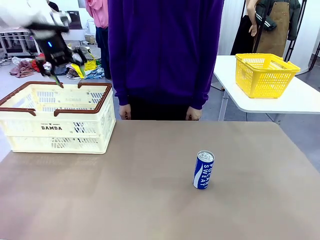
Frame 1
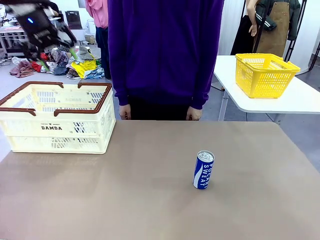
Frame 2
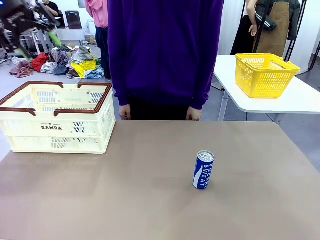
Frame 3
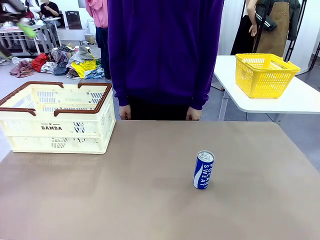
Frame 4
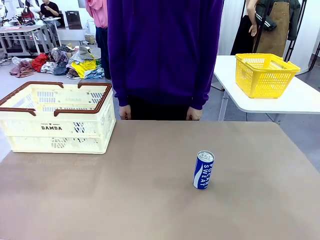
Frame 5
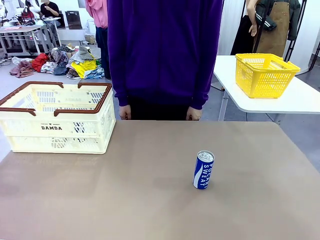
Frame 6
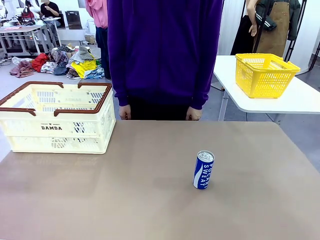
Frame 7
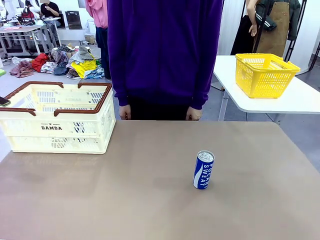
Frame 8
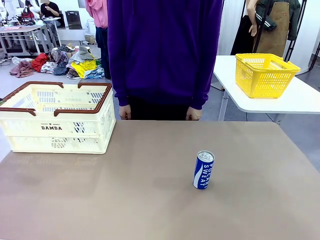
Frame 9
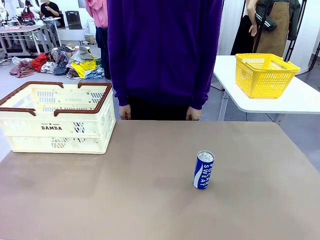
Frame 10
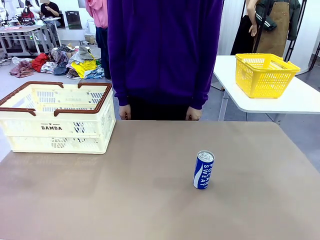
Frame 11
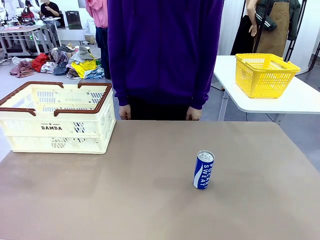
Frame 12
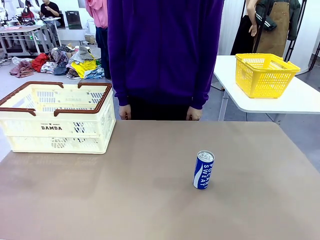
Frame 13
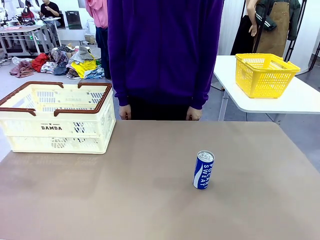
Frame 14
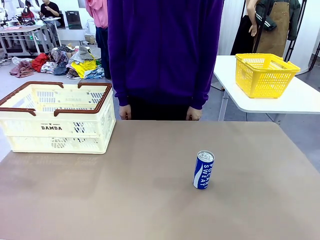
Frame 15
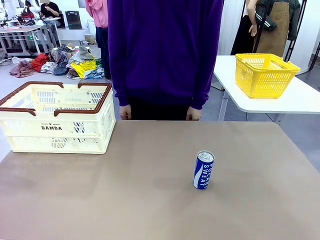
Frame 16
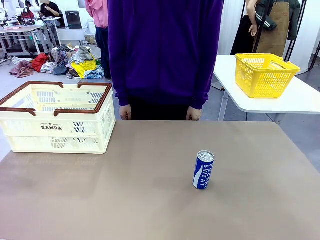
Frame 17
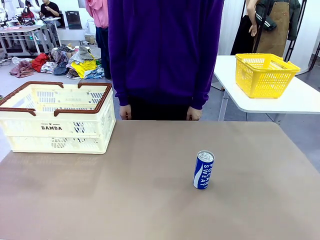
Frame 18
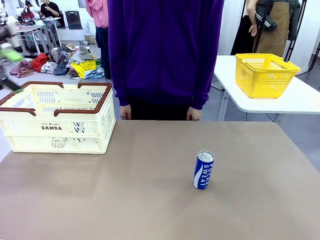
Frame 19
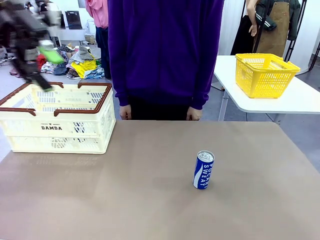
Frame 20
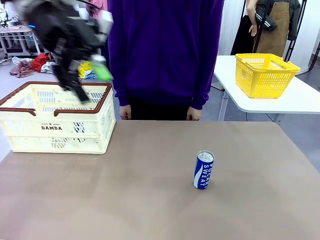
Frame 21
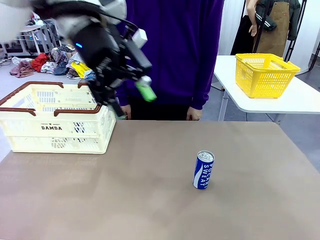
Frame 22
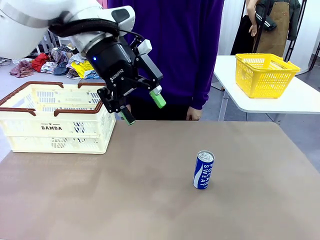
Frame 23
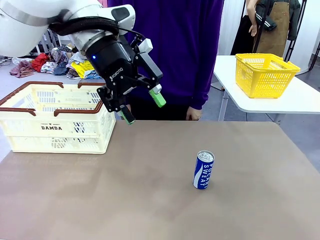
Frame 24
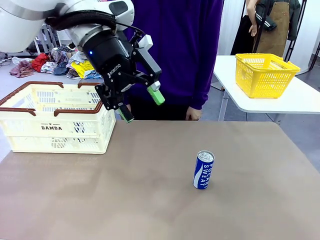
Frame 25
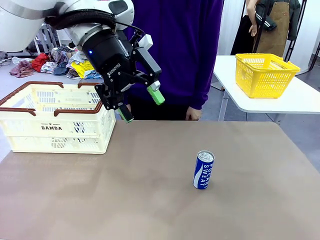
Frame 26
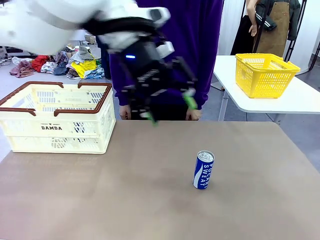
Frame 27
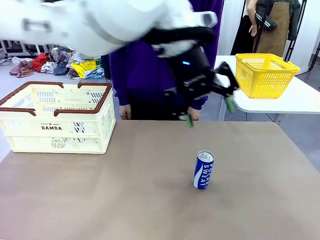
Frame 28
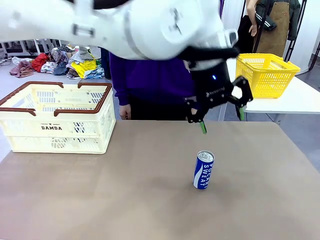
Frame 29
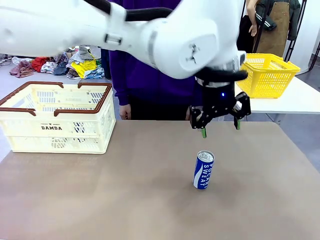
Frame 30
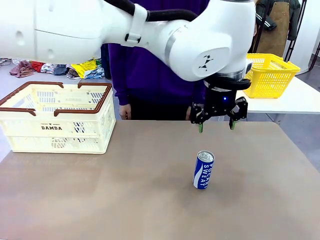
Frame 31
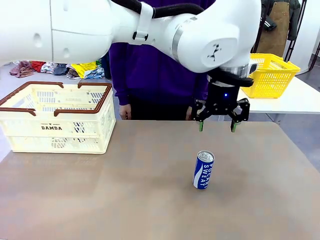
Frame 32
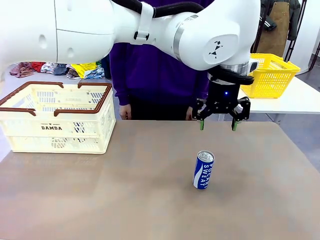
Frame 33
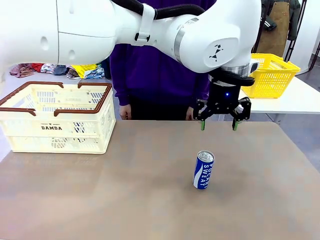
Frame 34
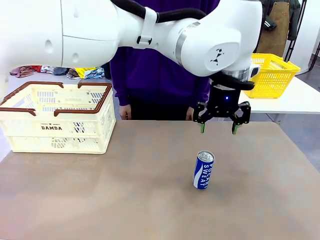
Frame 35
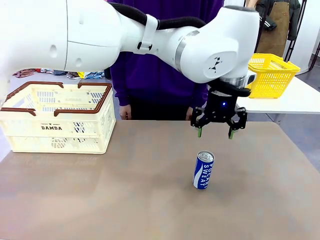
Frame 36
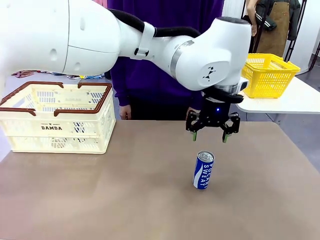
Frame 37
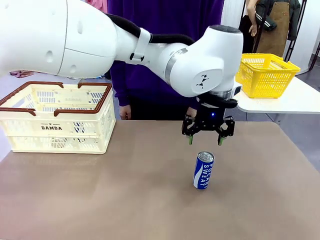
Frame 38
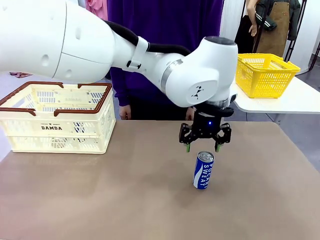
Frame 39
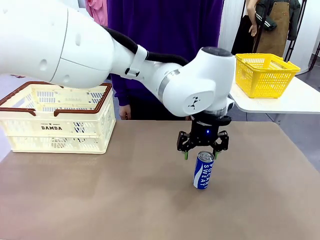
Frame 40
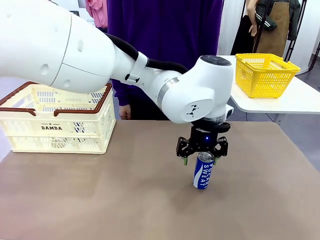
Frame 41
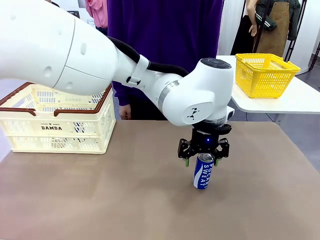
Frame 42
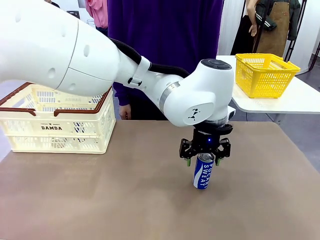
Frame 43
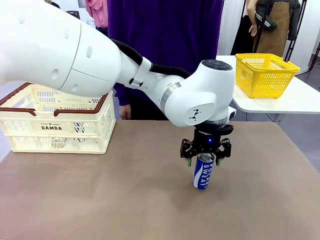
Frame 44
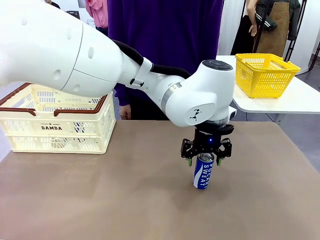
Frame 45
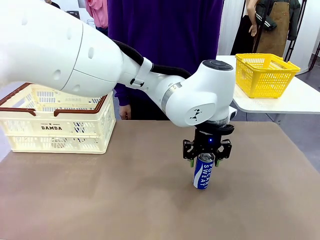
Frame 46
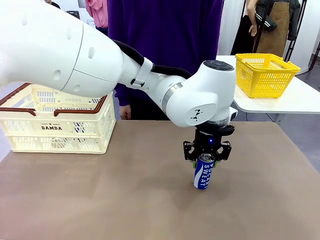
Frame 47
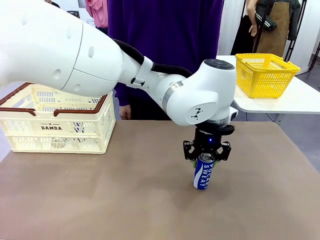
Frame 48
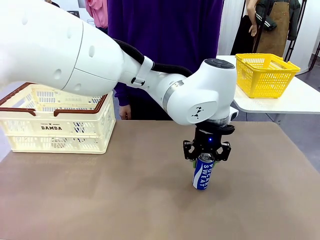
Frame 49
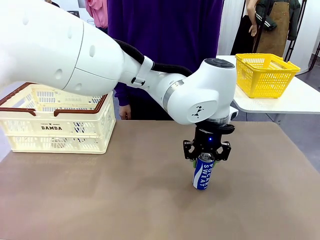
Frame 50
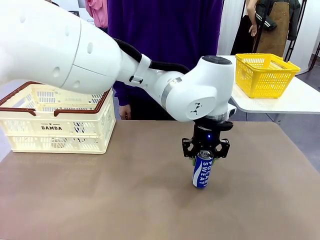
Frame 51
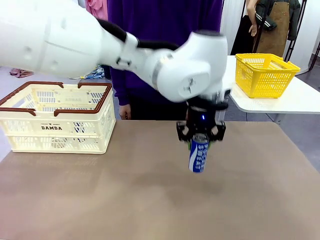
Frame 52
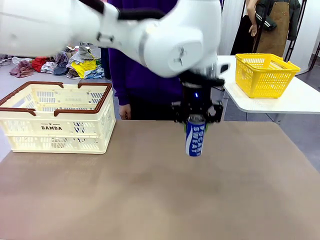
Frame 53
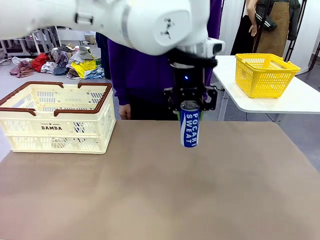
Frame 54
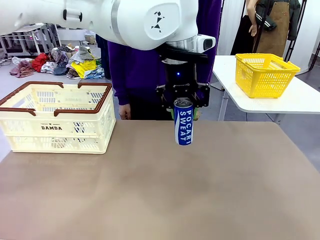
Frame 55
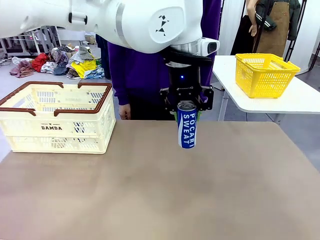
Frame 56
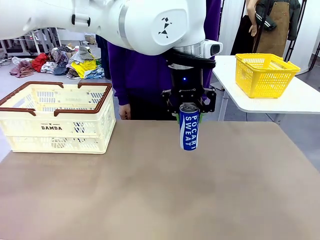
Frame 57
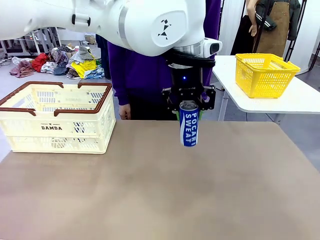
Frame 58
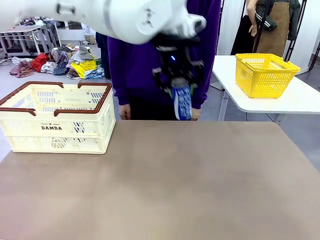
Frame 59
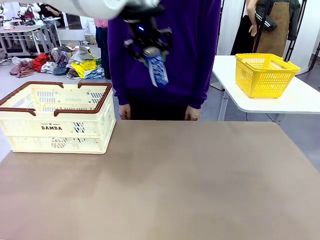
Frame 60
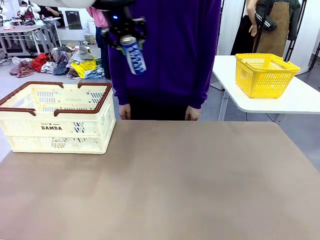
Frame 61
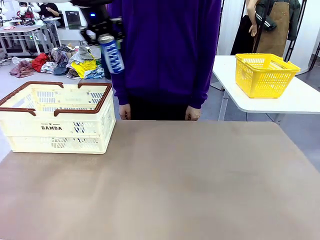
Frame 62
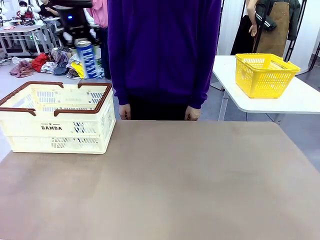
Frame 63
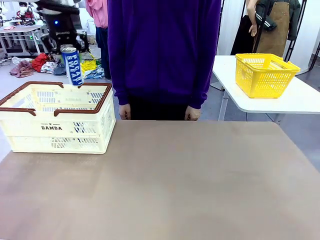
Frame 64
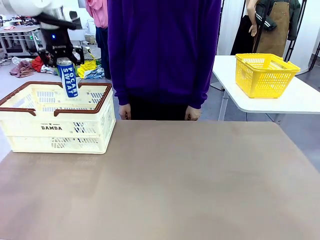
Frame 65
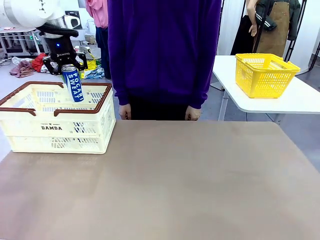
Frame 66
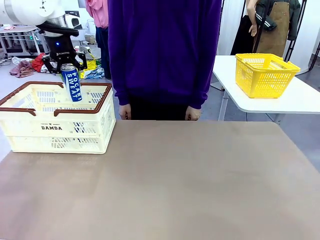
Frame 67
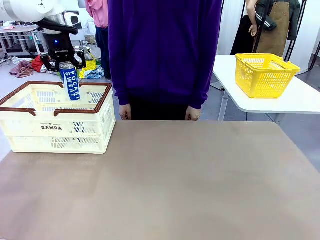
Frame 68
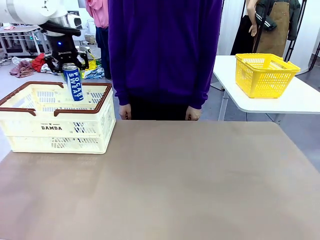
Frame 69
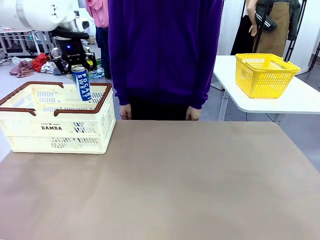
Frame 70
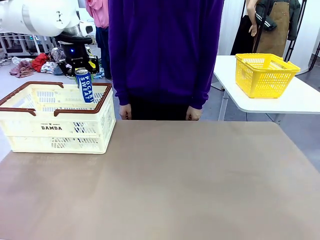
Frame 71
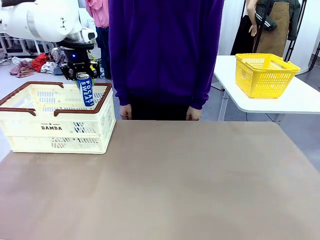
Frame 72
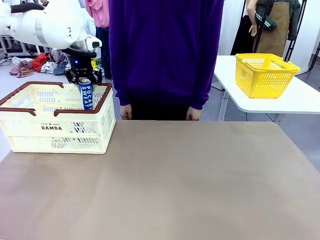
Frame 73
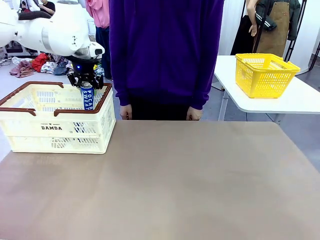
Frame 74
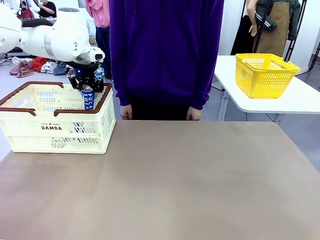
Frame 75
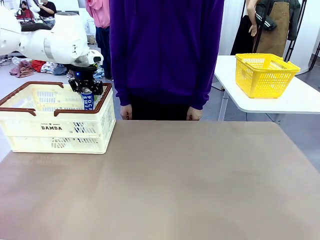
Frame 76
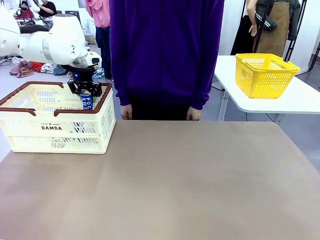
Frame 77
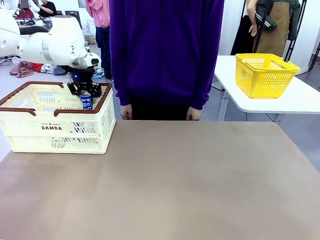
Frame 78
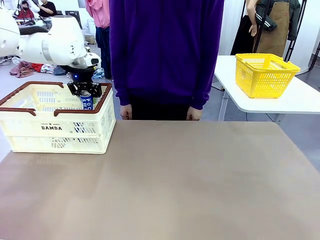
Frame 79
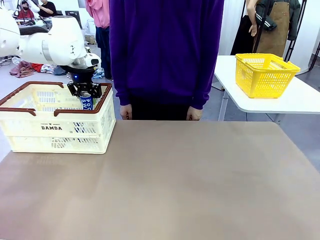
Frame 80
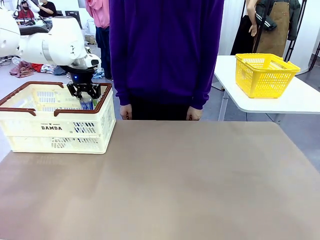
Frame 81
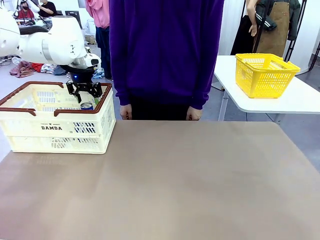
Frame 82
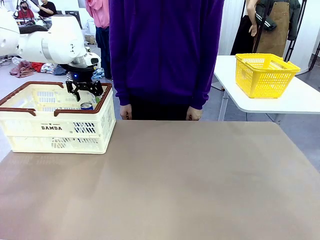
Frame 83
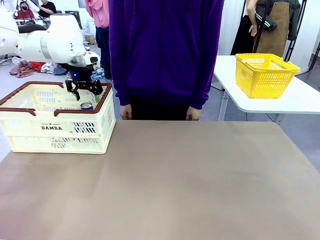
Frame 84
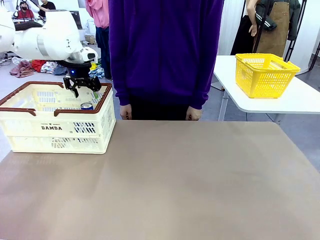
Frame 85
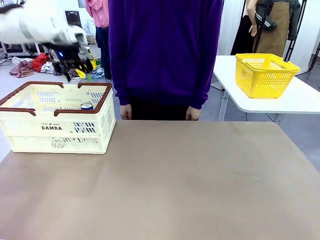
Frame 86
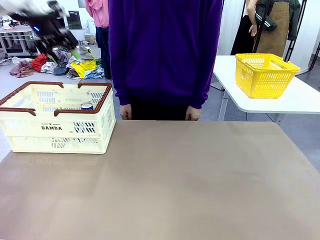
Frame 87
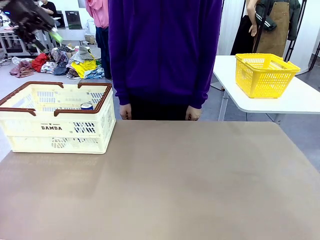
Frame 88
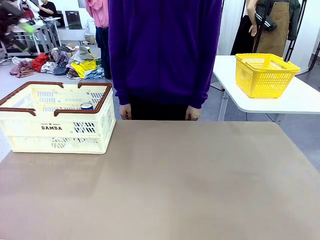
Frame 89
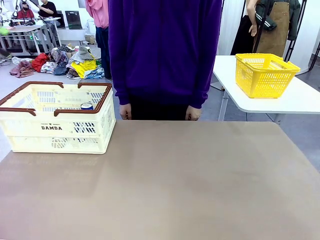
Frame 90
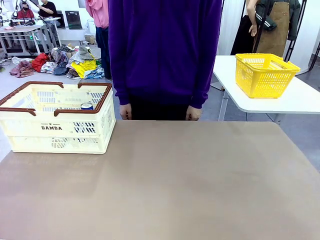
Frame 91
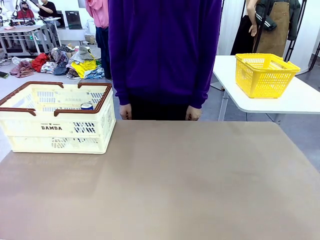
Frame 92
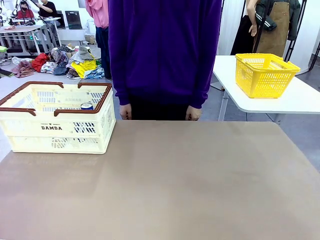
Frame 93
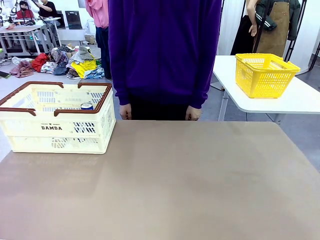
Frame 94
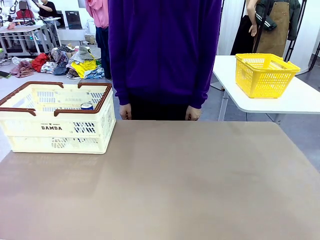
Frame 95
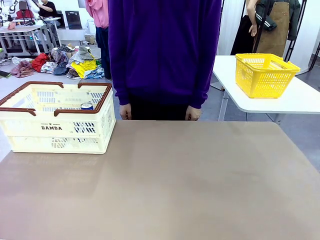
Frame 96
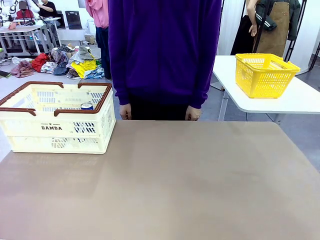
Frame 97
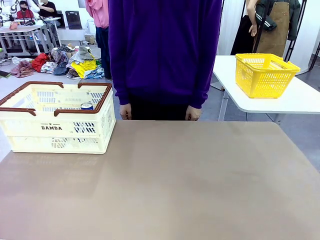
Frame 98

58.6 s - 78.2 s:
Task: Place the drinks into the Shopping basket.
Robot: Pick up one drink and place it into the Shopping basket.
